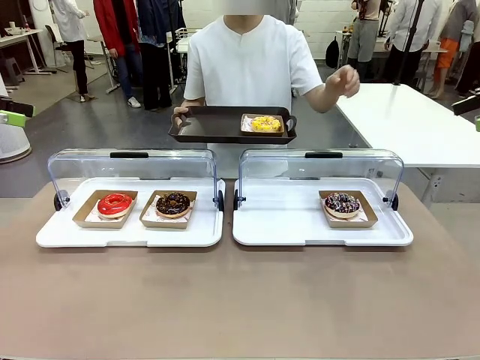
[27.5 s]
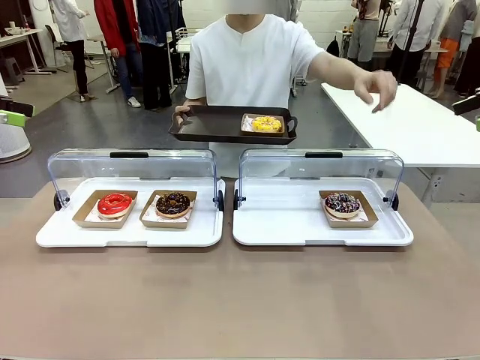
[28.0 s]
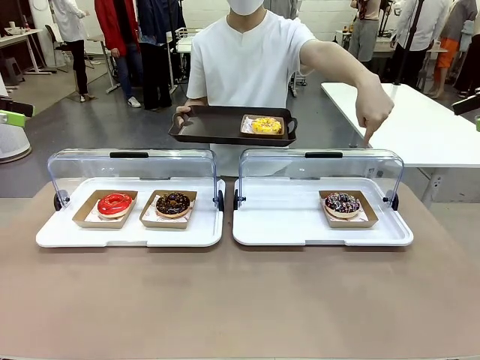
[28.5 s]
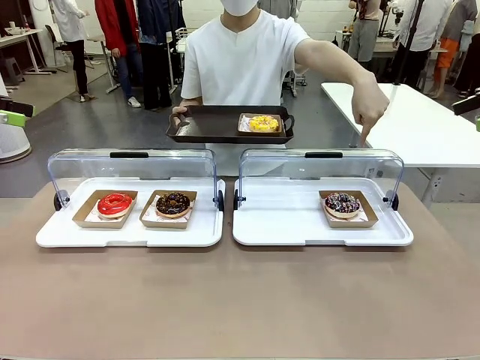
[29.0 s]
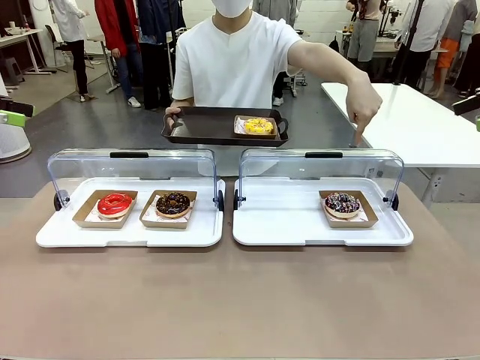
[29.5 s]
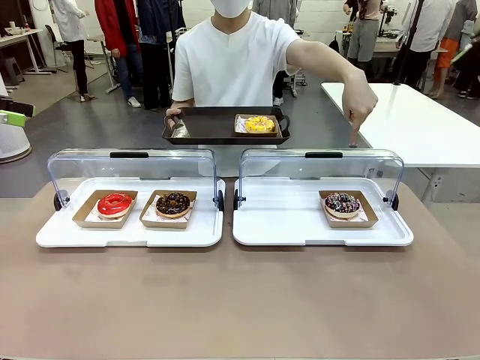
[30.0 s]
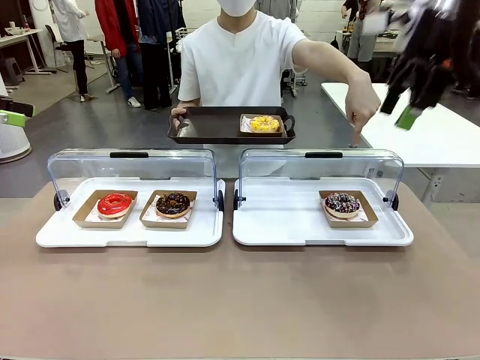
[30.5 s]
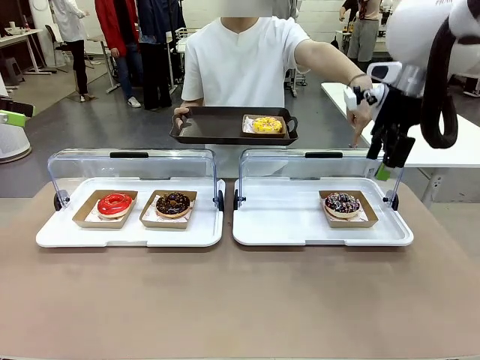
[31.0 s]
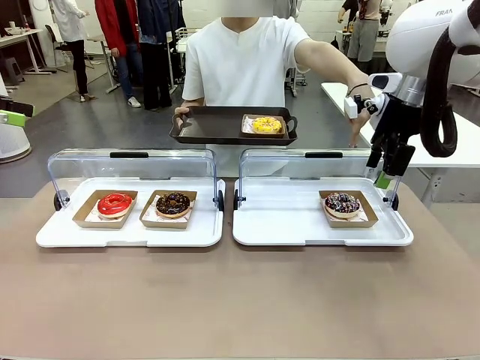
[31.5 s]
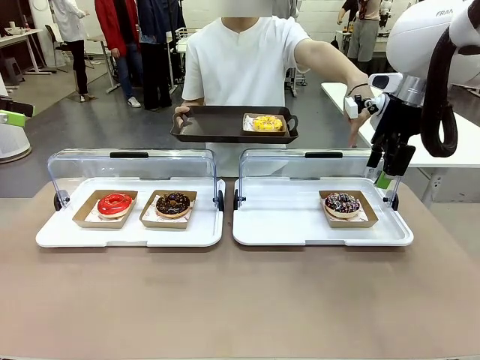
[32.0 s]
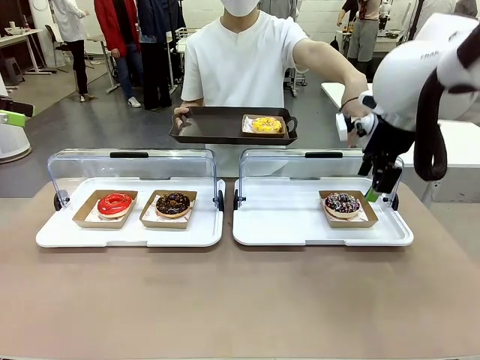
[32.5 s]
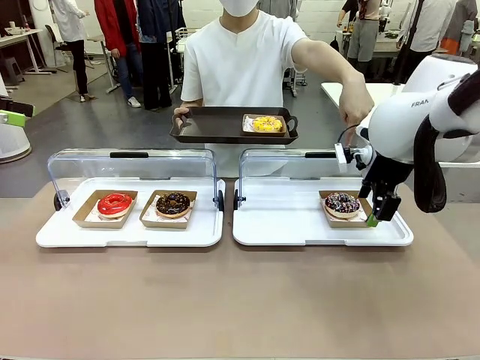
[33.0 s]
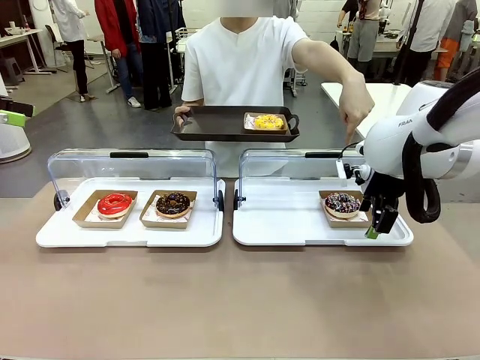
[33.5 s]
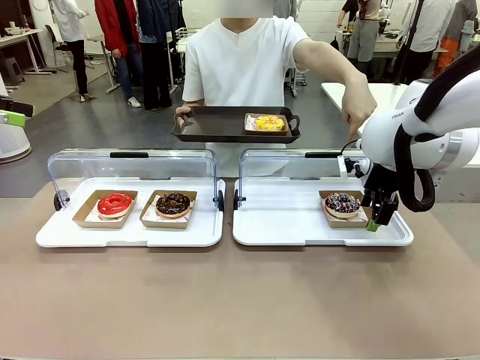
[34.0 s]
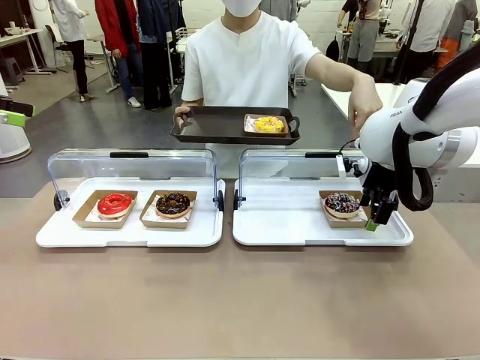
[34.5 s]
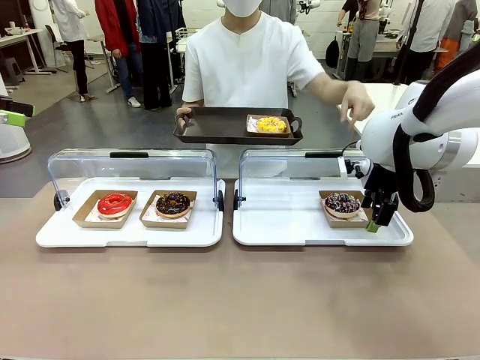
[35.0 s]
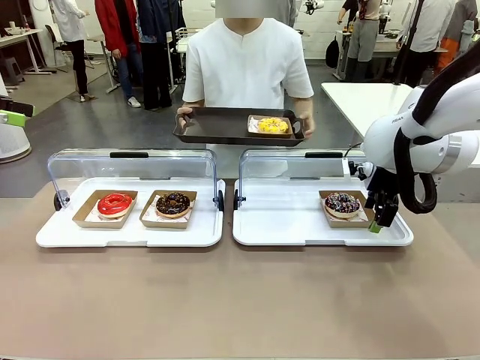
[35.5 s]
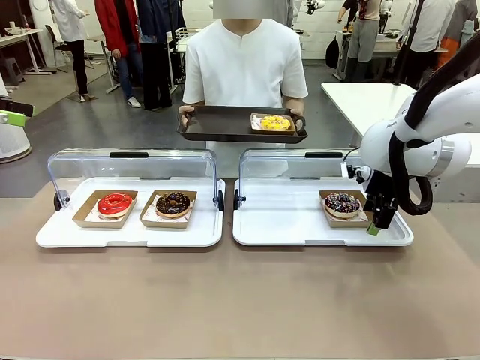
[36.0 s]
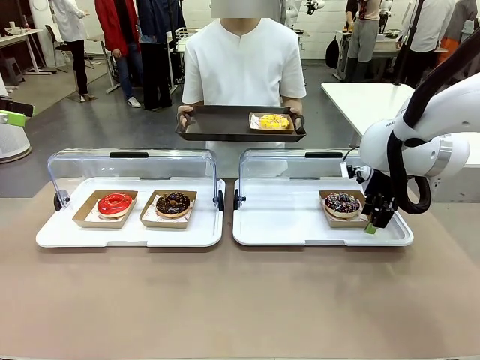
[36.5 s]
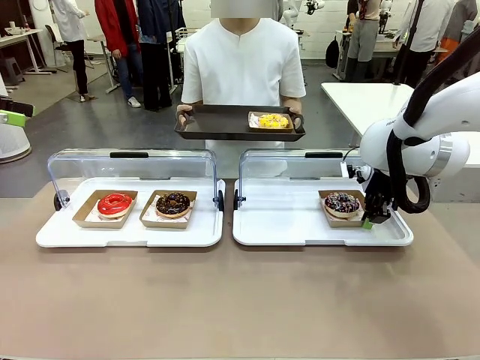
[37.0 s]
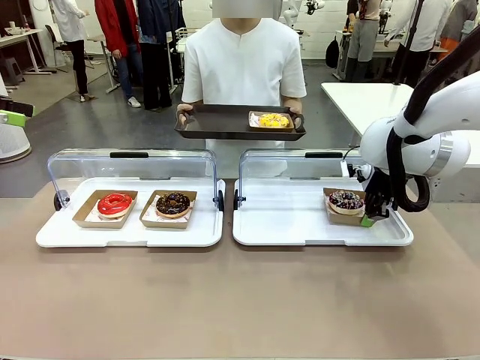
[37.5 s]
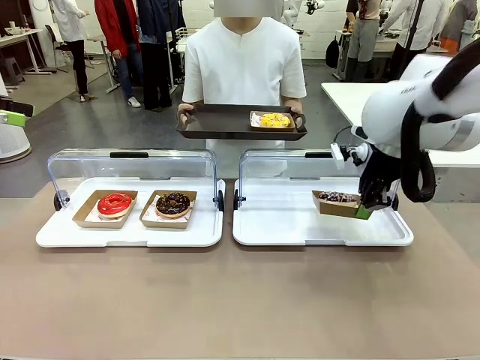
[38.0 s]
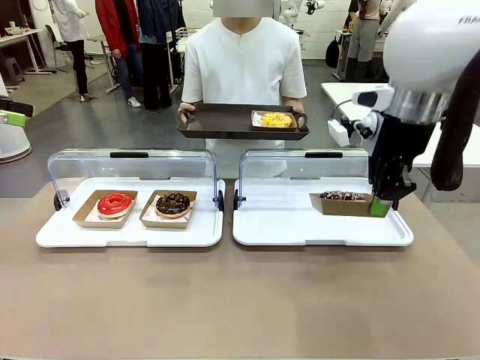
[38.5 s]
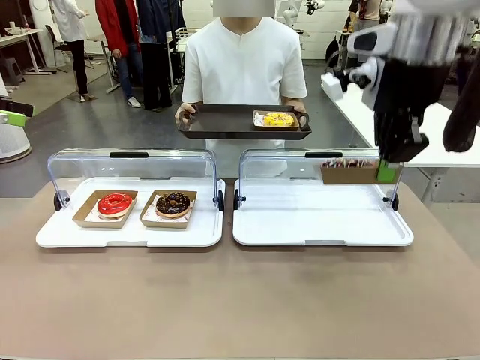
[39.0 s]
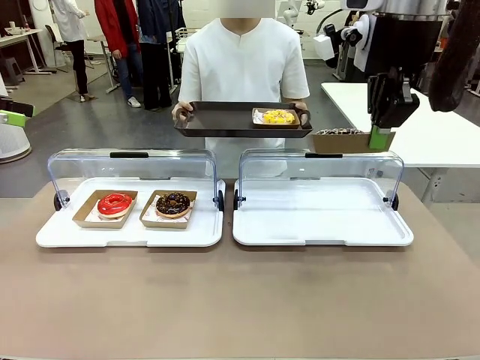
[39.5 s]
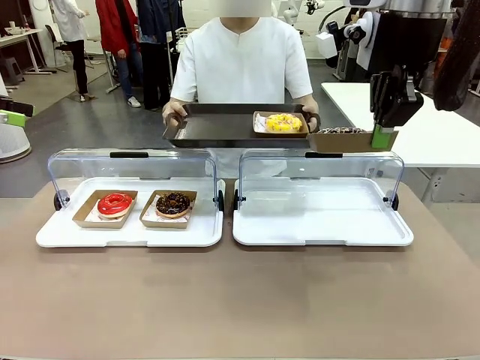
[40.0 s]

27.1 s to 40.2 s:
Task: Provide the desired donut to the person.
Robot: Pick up and lift the Paper togo box containing the Donut pointed at by the person.
Person: Lift the tray onto the Roll-Top Bakery Case.

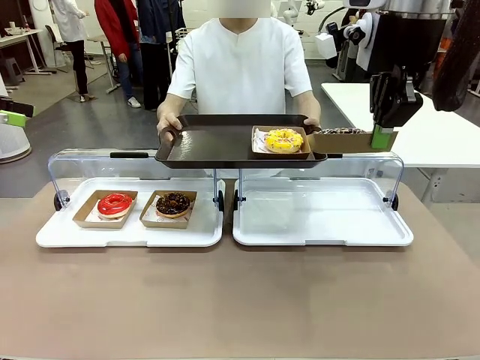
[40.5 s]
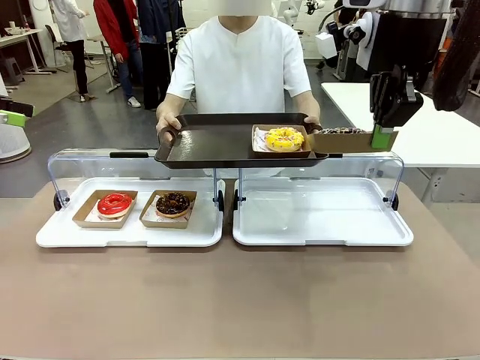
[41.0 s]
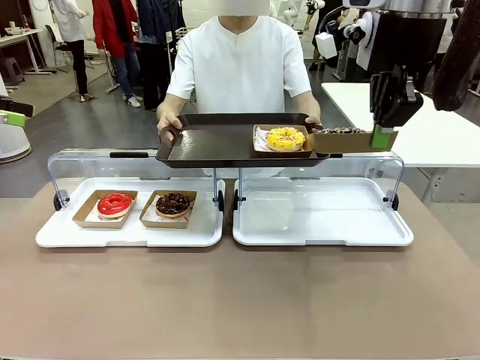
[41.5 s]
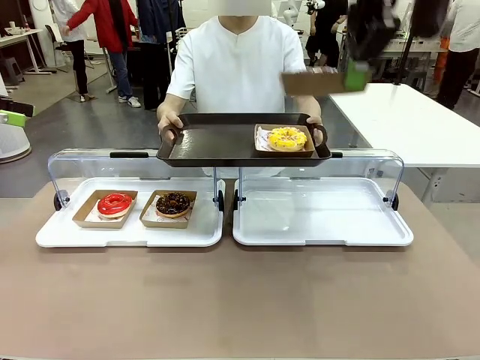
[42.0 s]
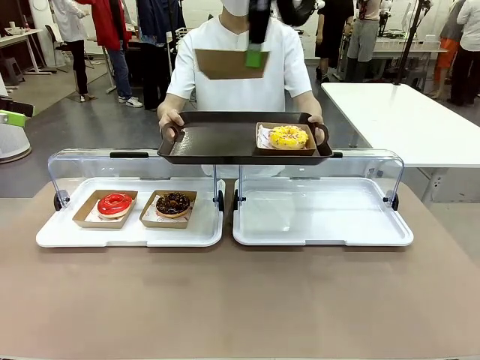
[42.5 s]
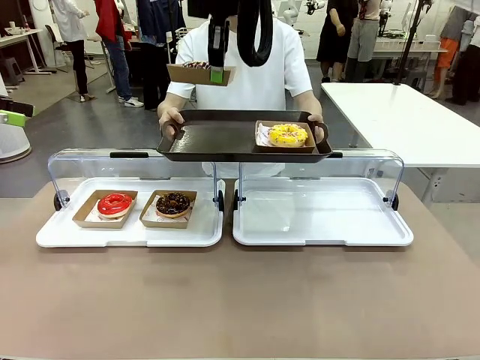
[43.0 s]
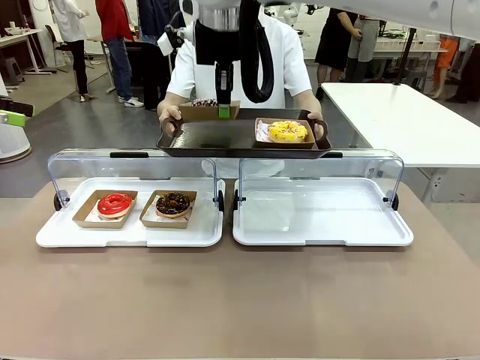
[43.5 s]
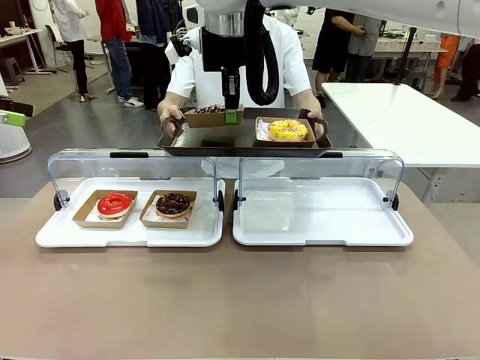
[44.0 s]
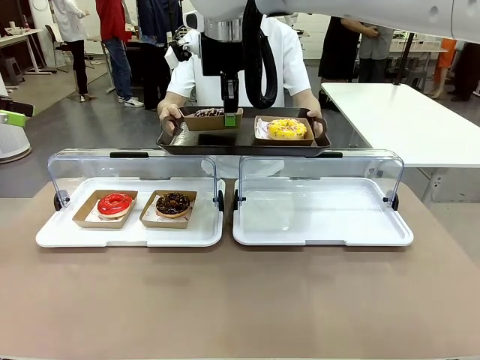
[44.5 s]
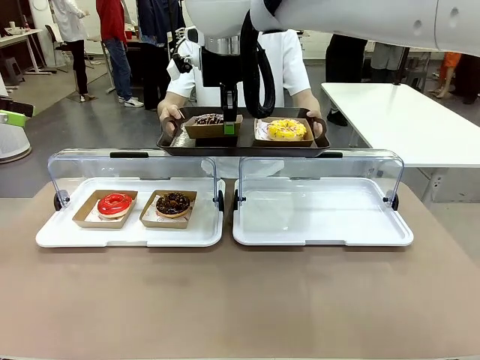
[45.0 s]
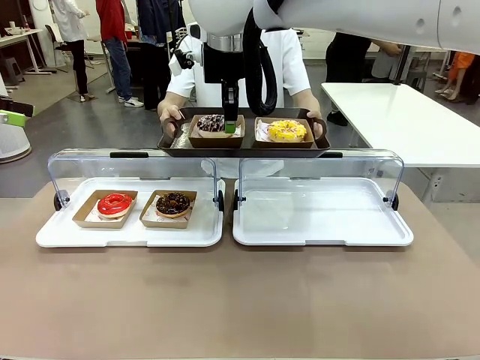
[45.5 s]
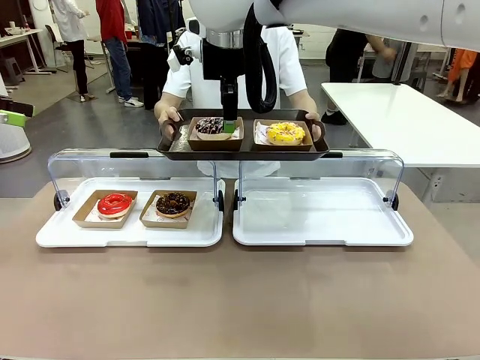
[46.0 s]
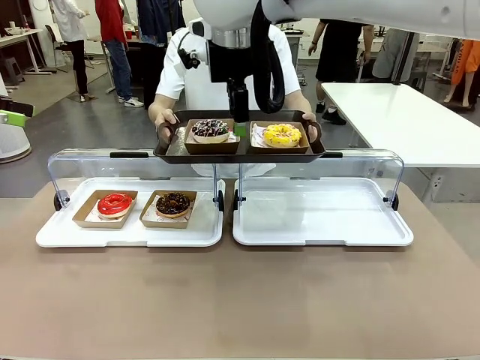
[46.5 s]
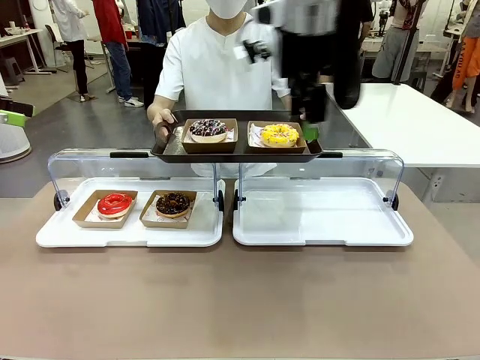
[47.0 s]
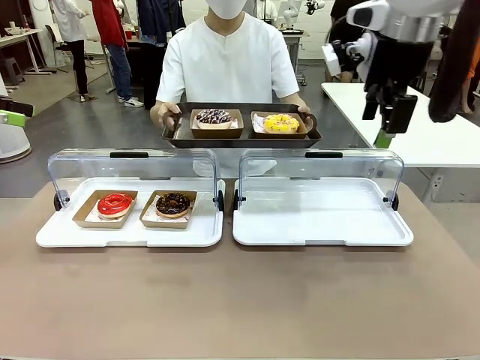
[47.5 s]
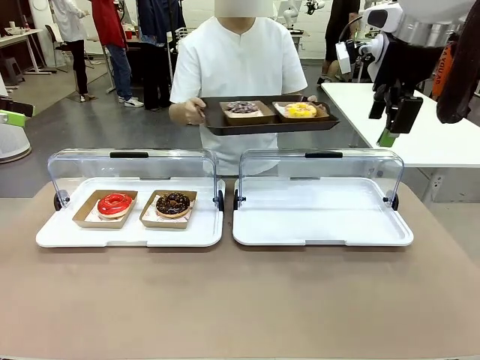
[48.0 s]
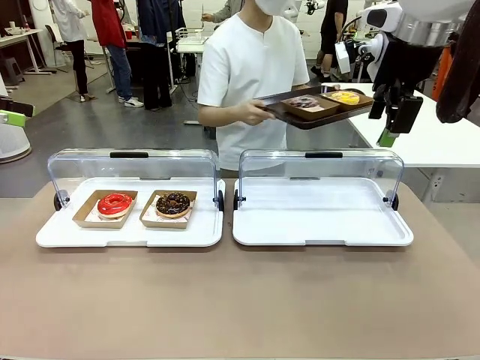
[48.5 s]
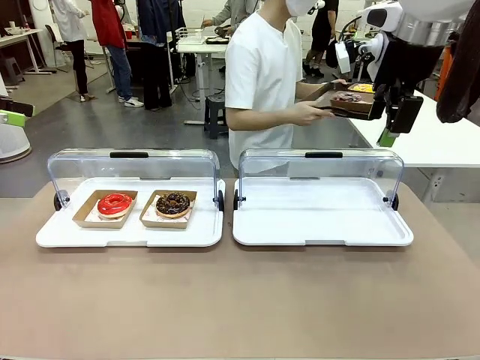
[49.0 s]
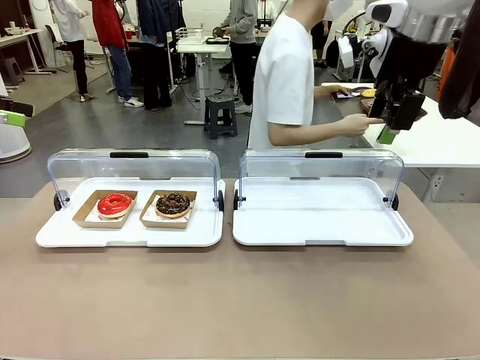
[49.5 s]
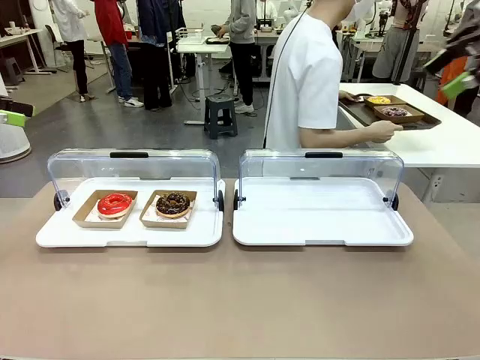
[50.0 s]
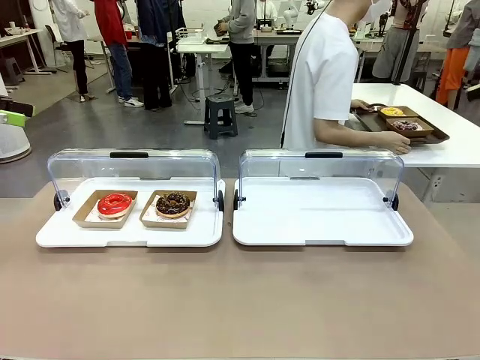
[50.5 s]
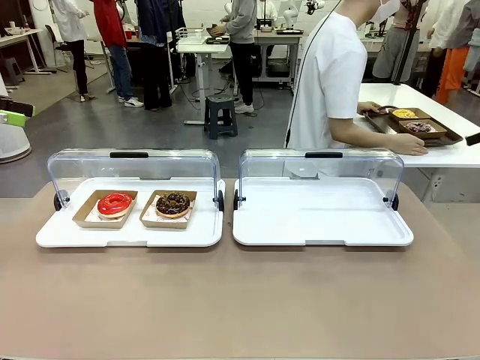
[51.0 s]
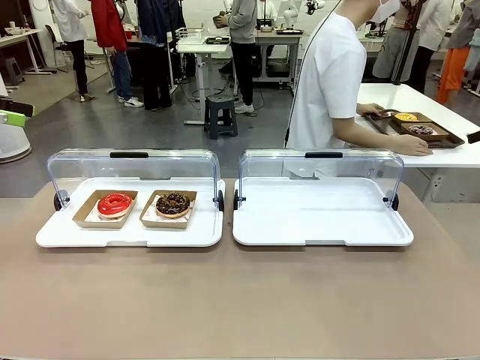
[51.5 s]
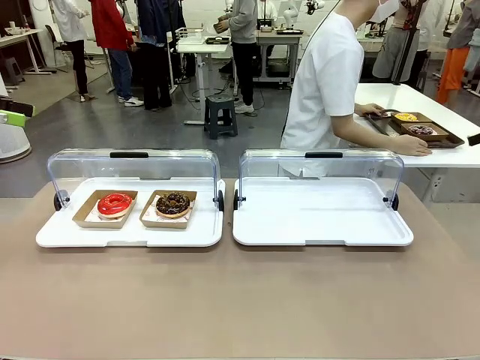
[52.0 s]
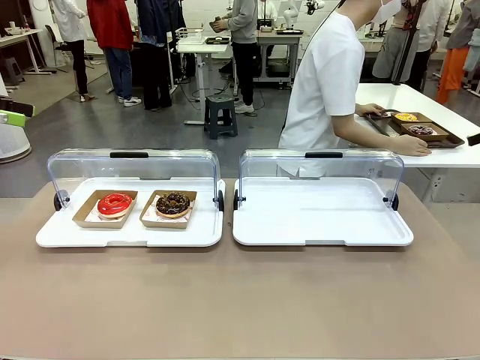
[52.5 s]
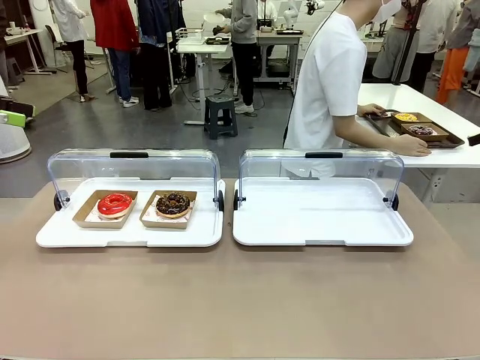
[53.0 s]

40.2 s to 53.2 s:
Robot: Place the picked Paper togo box onto the Handle tray extended by the person.
Person: Place the tray in the middle of the human table.
